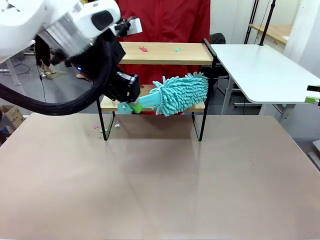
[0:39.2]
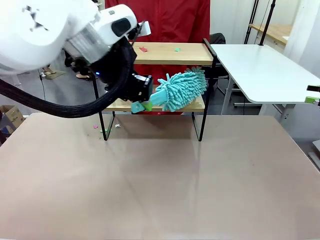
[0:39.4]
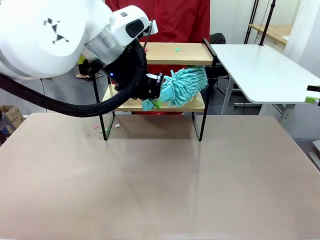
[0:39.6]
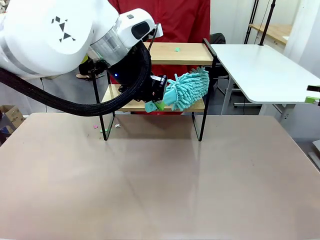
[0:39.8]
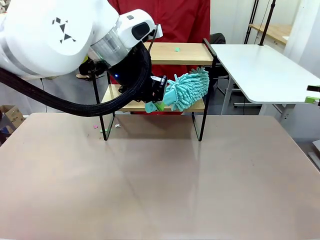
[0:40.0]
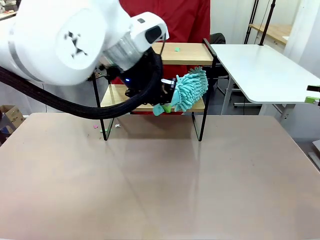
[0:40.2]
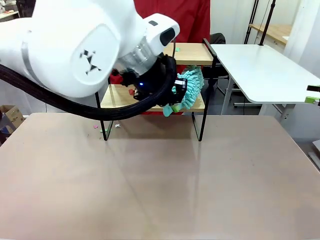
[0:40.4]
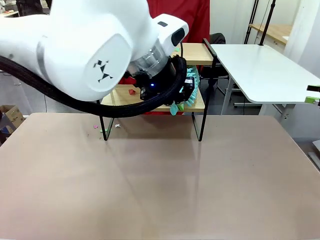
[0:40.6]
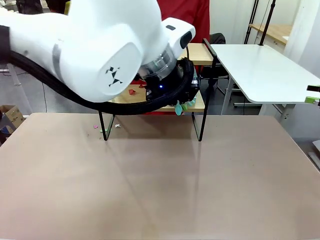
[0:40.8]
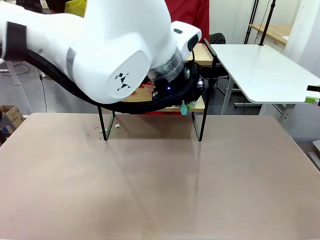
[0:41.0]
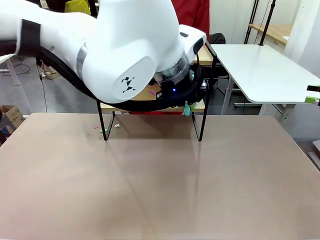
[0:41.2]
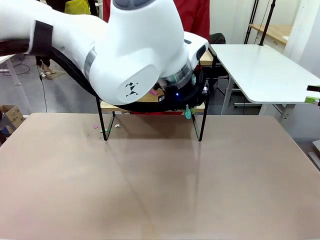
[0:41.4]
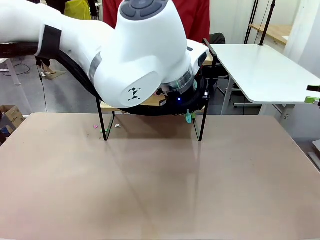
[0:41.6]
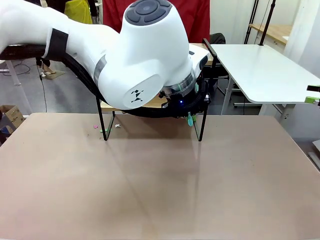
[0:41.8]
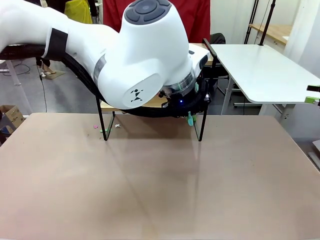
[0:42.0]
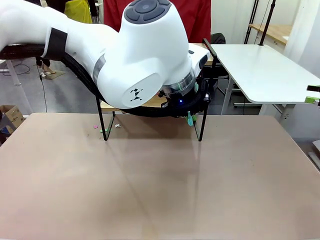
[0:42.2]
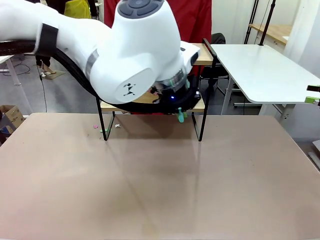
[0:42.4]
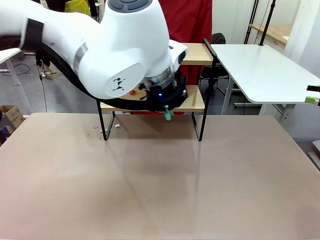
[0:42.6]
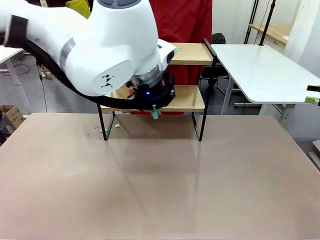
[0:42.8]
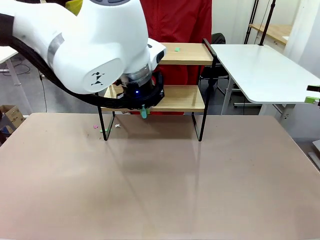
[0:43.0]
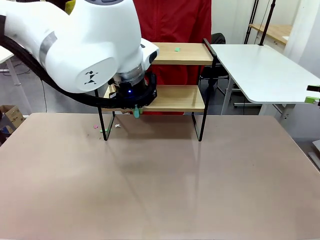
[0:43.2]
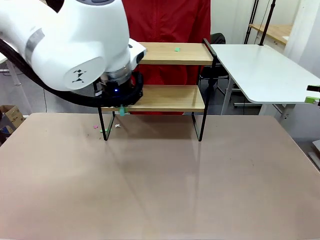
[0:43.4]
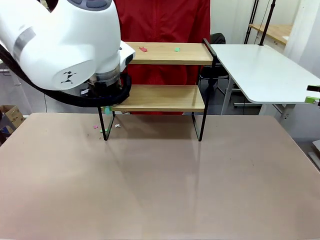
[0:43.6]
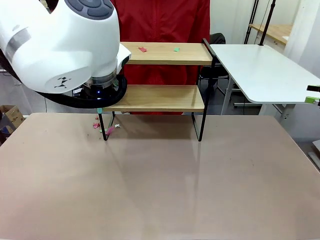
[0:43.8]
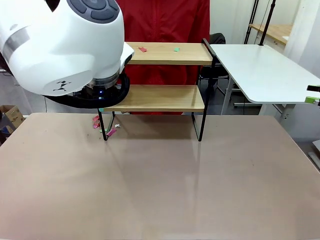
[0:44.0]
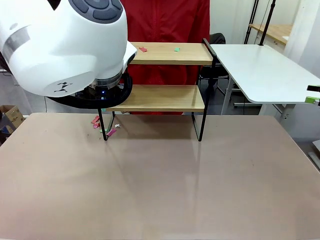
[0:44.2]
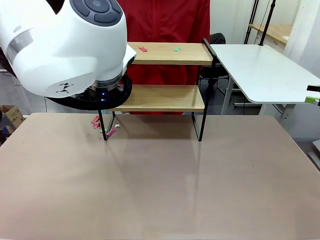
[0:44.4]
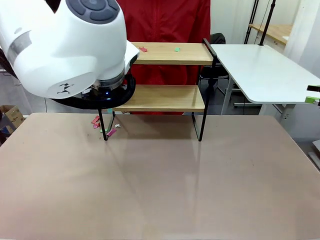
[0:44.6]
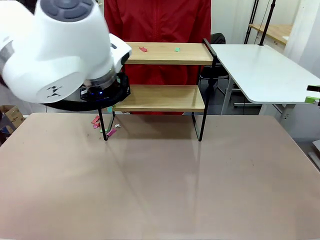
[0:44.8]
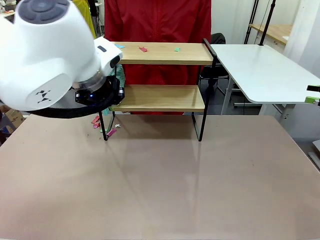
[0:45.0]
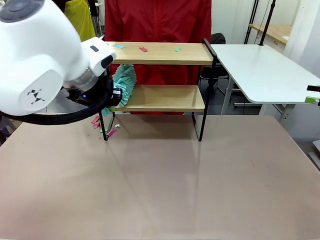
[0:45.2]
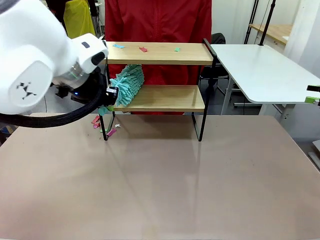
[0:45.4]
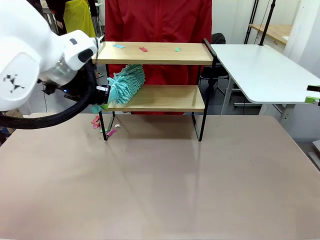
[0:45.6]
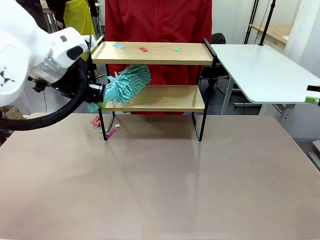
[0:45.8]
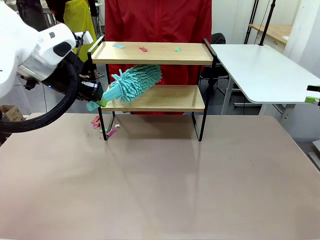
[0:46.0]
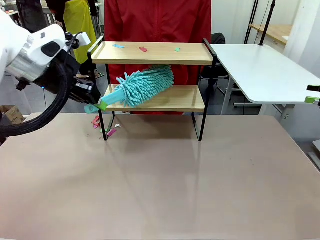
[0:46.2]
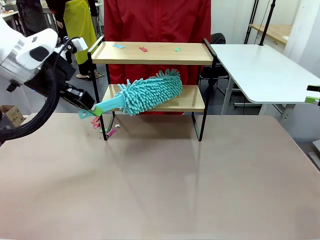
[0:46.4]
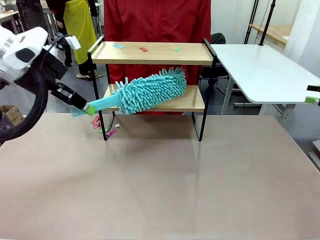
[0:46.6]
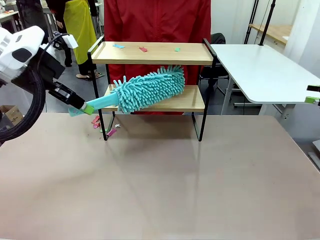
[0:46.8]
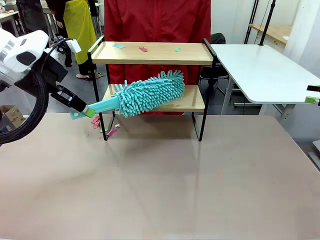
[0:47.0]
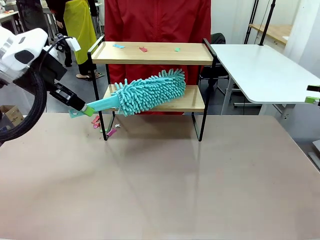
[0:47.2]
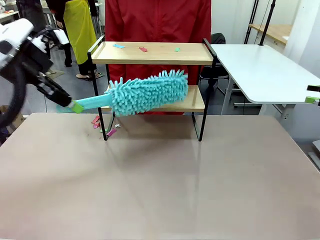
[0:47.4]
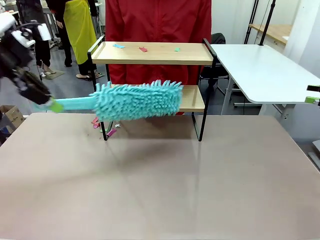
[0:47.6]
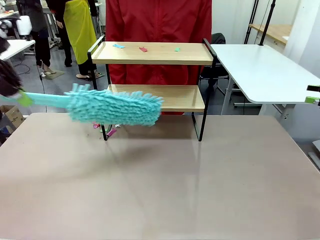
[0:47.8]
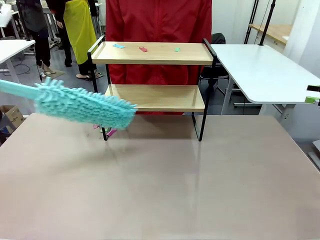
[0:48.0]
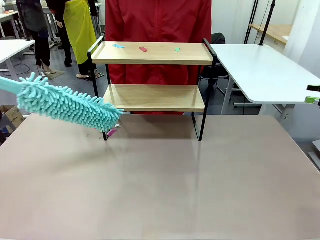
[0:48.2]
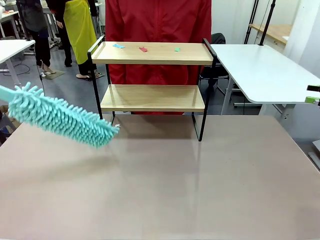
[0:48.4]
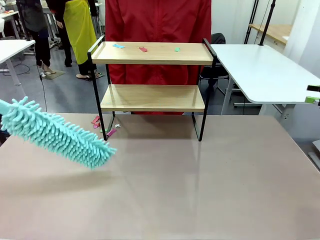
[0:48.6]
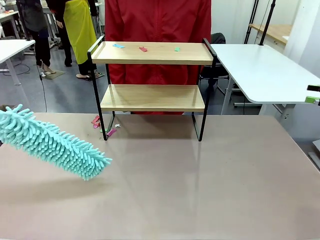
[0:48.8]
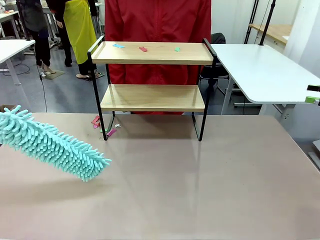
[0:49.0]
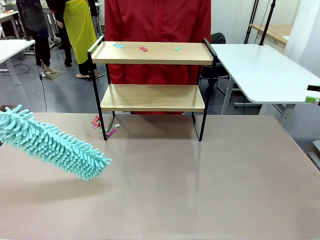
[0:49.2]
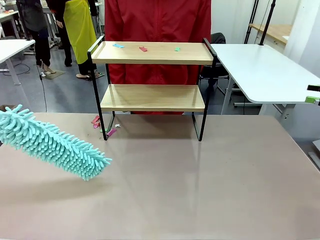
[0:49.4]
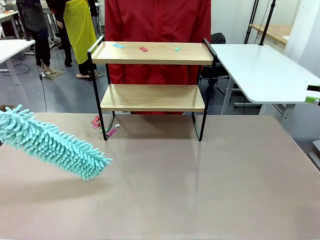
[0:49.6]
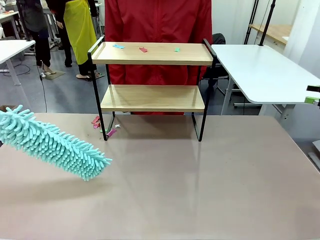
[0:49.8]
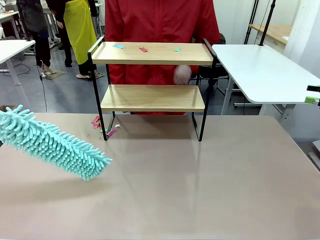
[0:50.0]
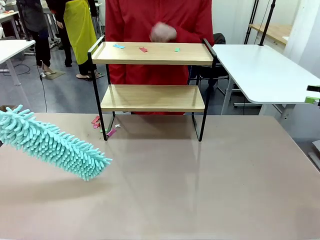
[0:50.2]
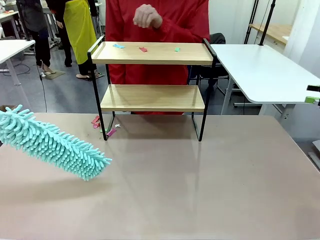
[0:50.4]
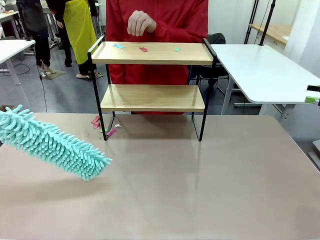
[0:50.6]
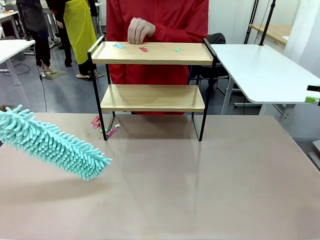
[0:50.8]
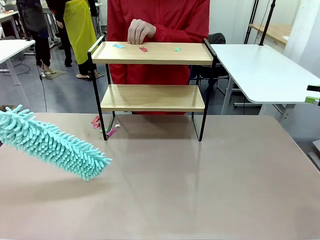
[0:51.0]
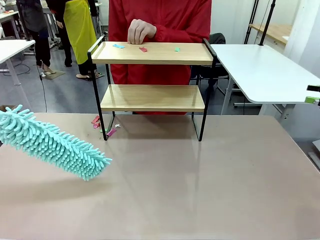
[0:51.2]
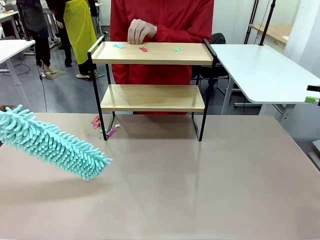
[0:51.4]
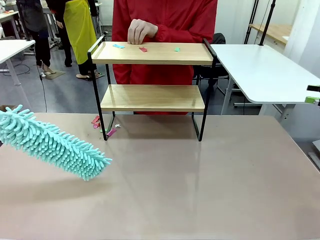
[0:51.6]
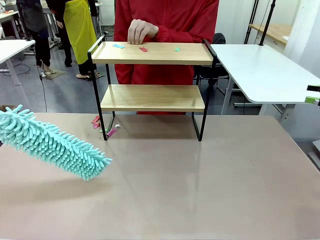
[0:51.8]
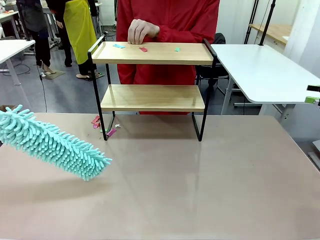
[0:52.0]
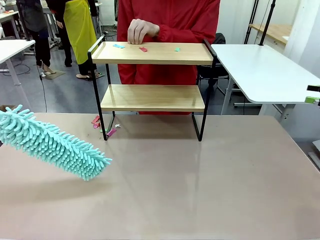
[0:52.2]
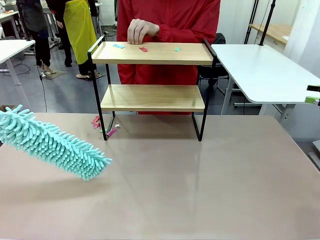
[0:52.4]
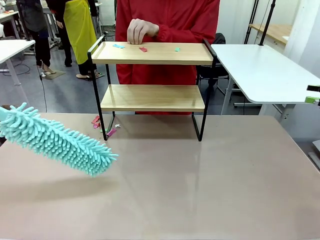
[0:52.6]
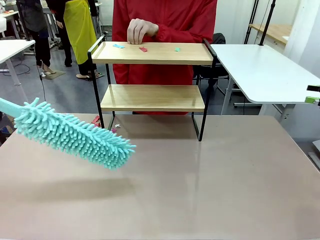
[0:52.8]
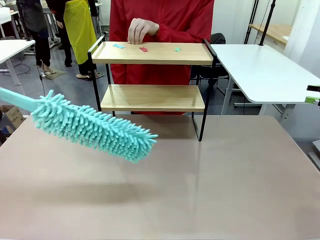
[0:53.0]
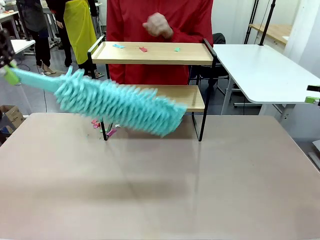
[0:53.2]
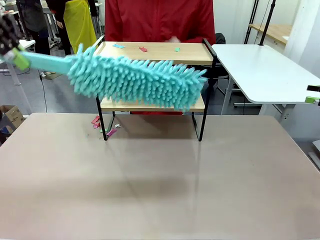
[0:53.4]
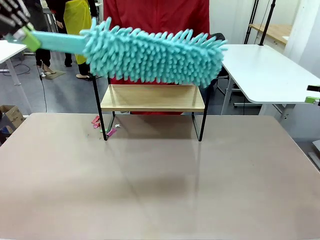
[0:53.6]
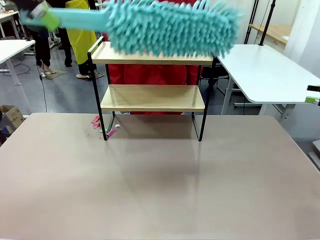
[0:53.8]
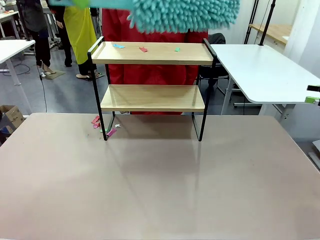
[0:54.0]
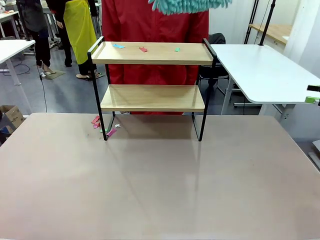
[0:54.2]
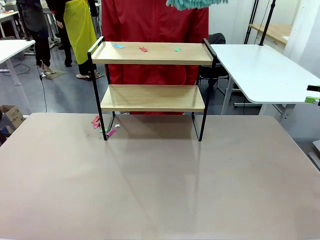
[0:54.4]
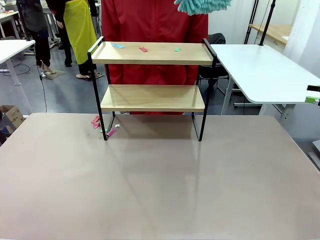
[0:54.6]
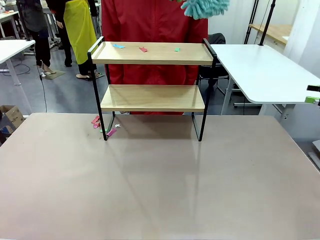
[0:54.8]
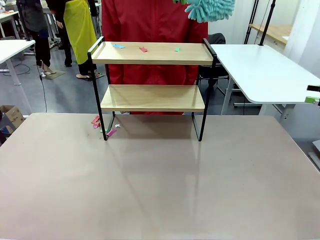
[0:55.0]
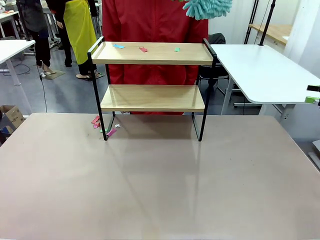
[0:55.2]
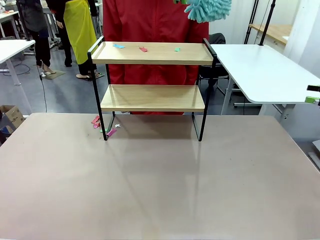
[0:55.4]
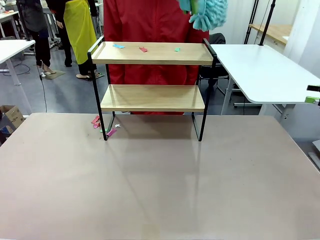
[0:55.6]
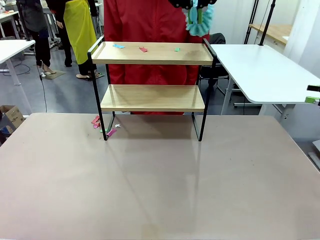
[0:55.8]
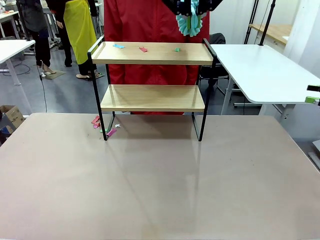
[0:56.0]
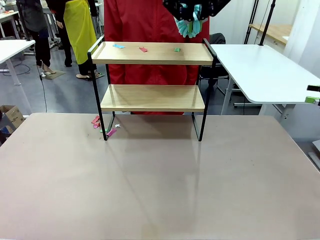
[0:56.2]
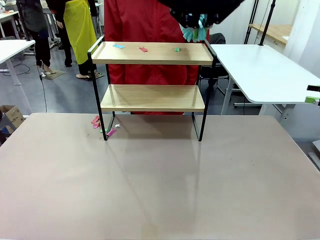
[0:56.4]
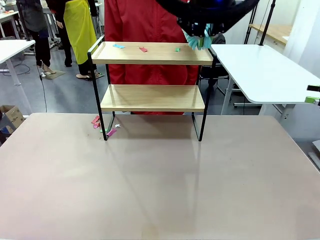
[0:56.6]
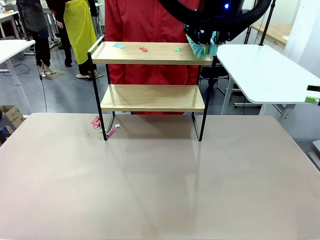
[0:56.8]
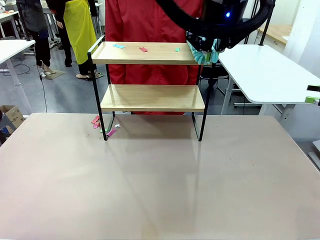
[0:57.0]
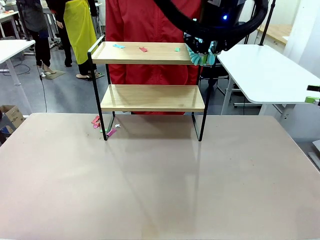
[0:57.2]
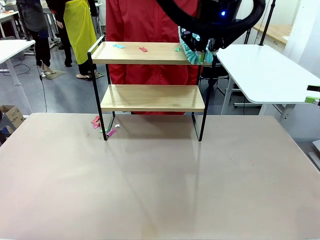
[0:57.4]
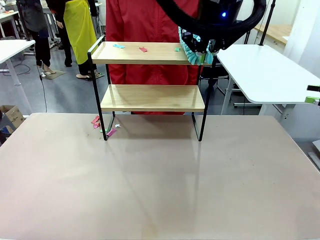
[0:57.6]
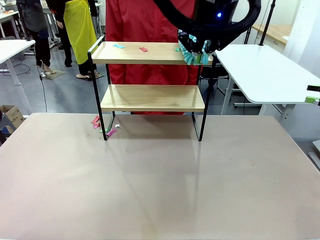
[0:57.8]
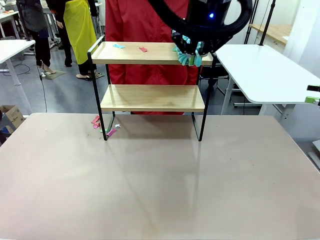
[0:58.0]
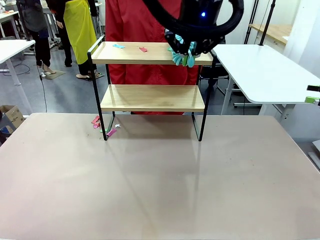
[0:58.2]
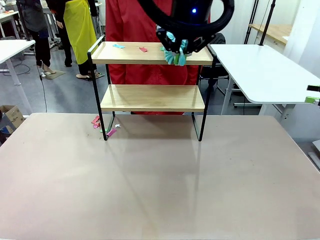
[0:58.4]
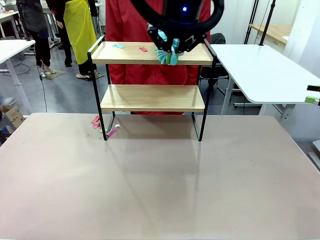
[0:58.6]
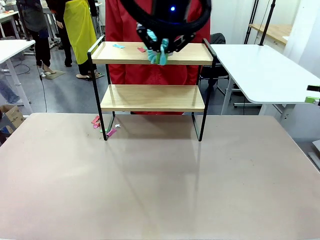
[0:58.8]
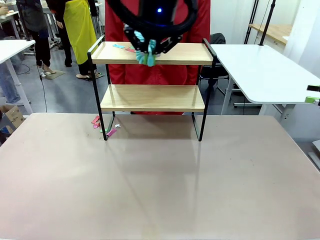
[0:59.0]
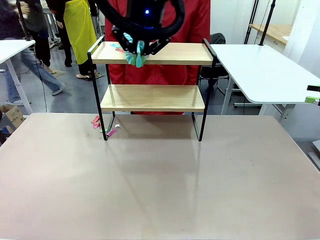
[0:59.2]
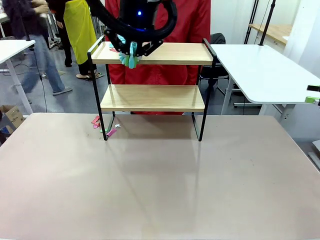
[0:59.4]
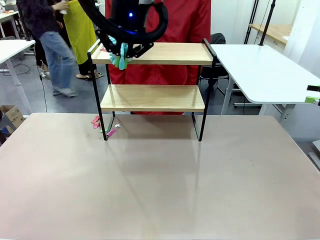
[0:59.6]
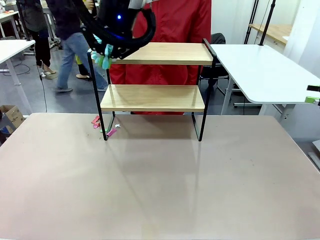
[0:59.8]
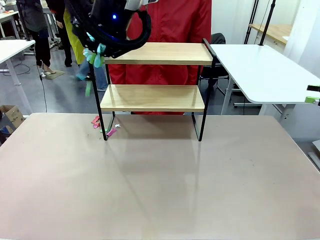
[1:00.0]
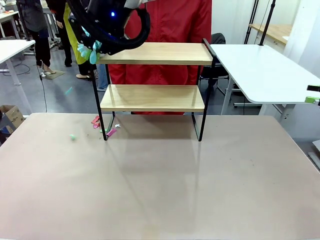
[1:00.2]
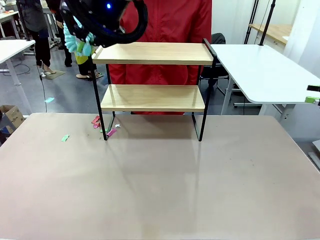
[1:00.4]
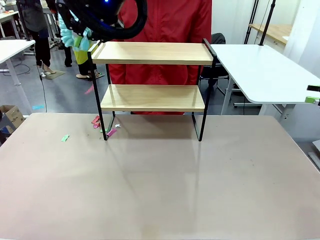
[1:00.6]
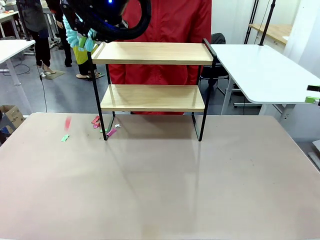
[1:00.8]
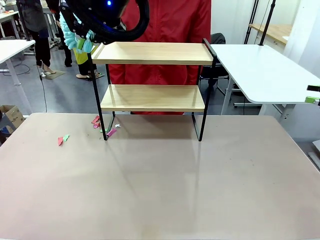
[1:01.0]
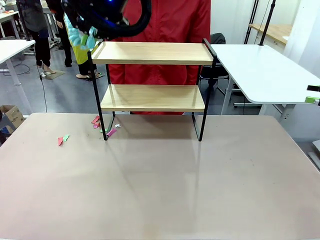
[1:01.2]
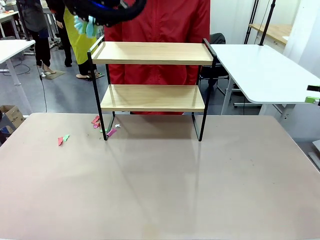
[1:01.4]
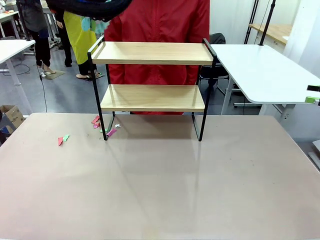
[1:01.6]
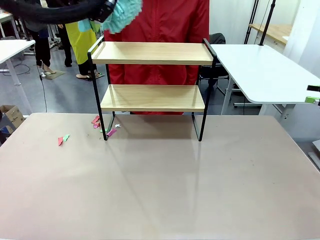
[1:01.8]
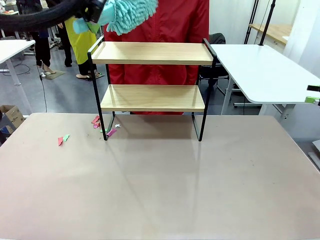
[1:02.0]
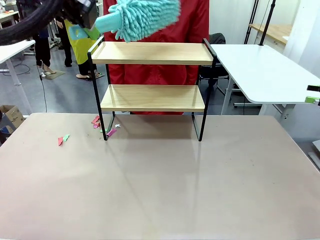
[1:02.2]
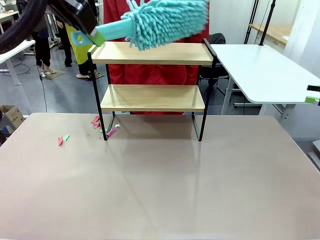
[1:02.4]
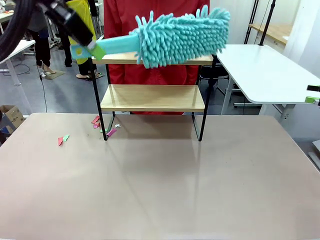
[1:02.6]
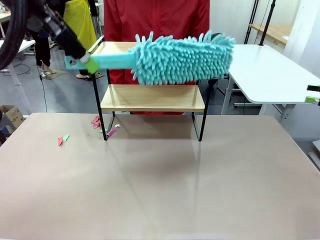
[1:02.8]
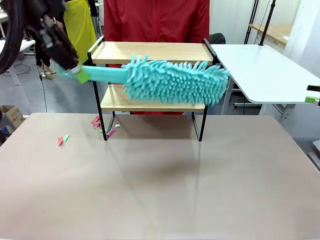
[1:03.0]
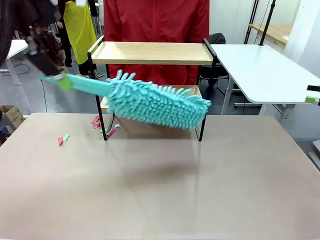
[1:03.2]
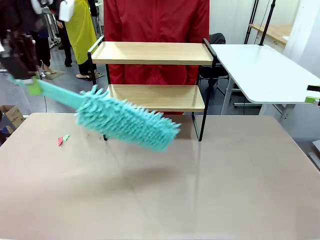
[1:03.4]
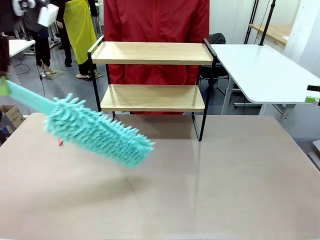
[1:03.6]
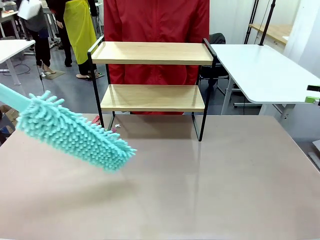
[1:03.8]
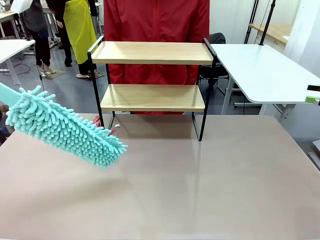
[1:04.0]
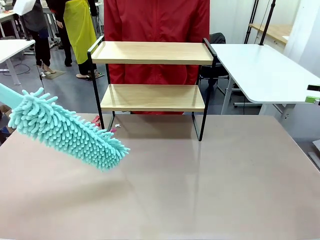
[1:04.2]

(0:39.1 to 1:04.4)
Task: Clean the shelf.
Robot: Clean the specific section of the Shelf indicated by the human with the Duster.
Person: Point a remaining section of the Shelf.
